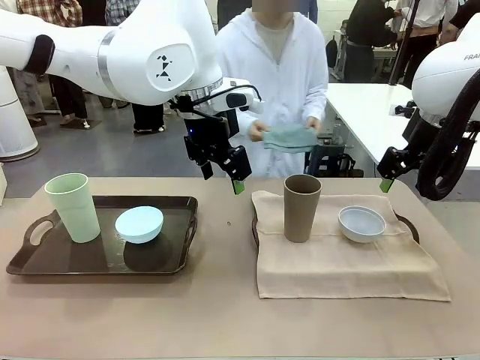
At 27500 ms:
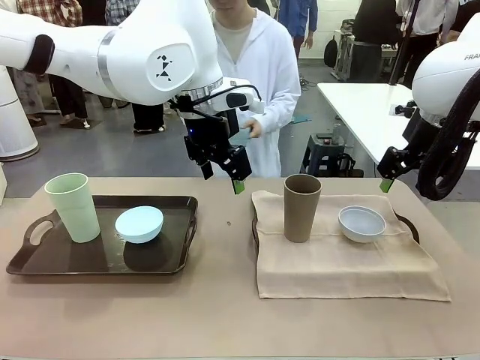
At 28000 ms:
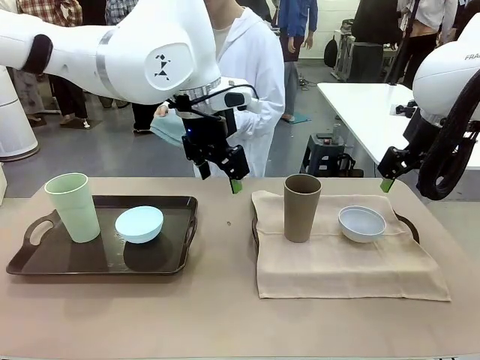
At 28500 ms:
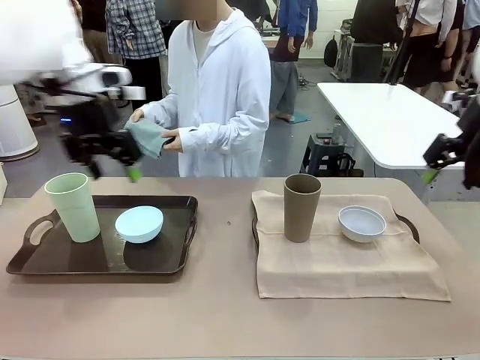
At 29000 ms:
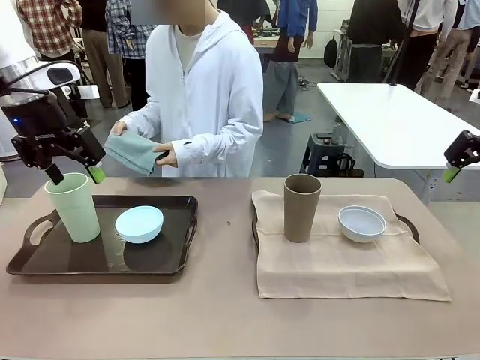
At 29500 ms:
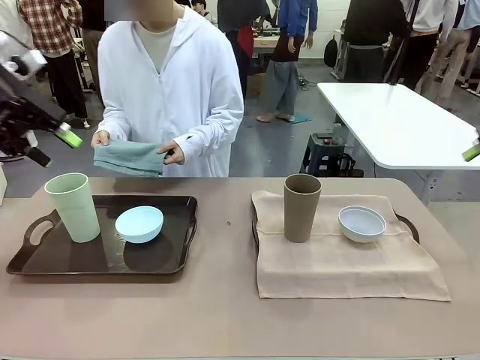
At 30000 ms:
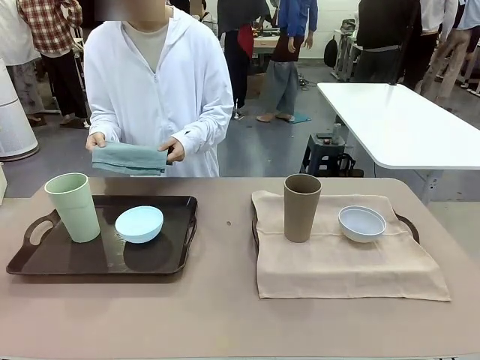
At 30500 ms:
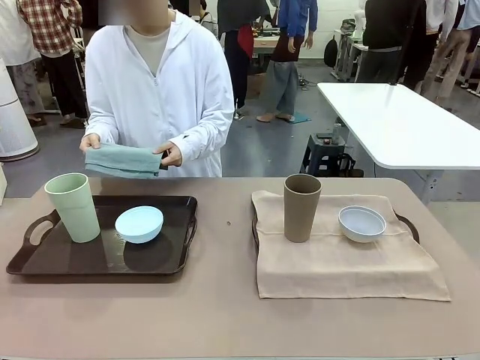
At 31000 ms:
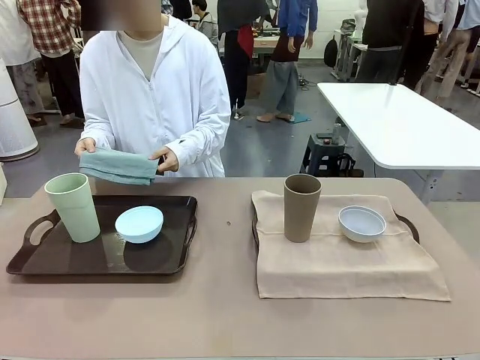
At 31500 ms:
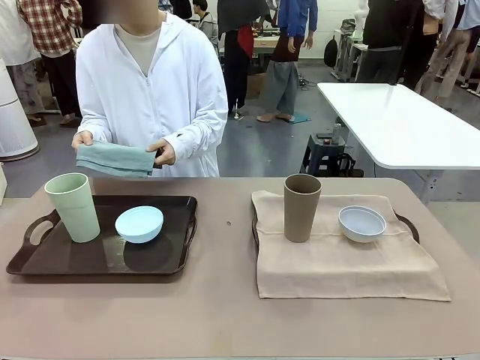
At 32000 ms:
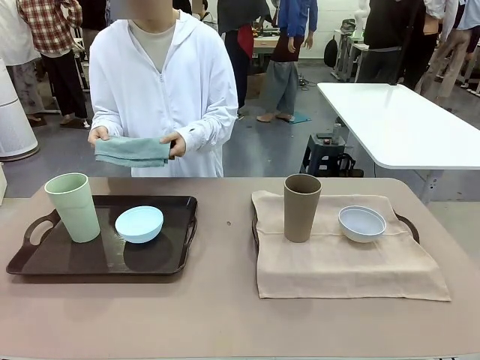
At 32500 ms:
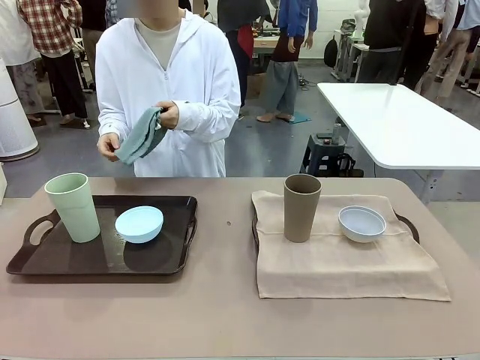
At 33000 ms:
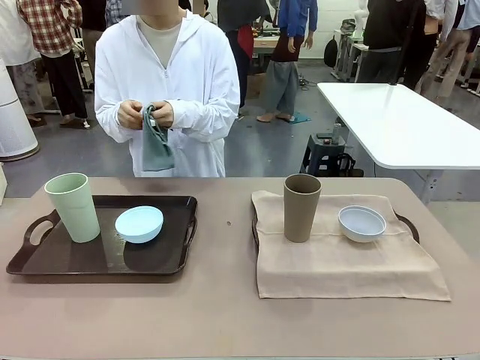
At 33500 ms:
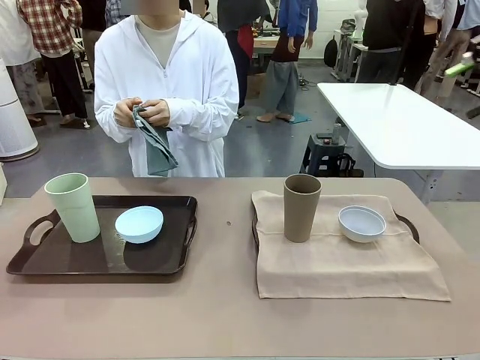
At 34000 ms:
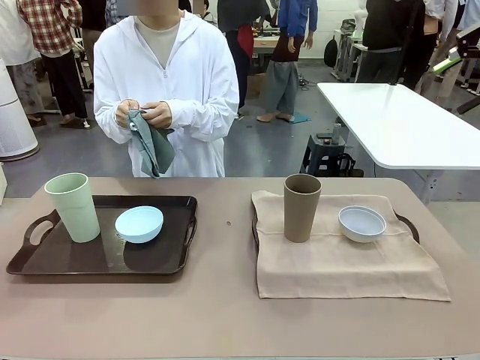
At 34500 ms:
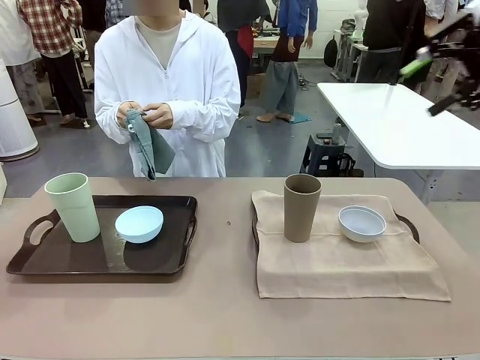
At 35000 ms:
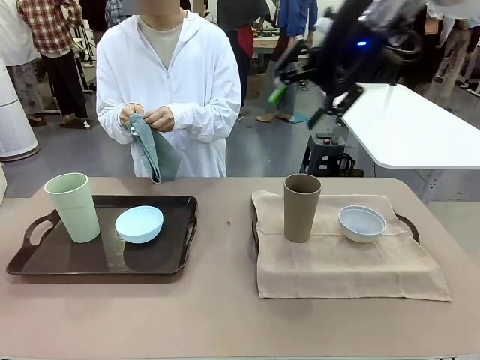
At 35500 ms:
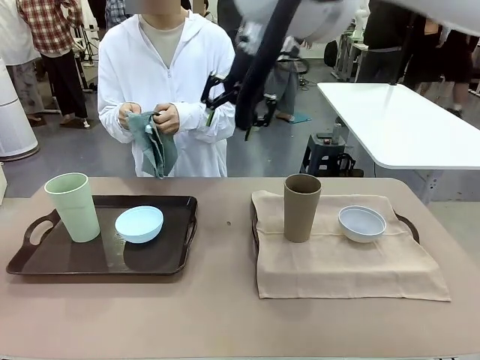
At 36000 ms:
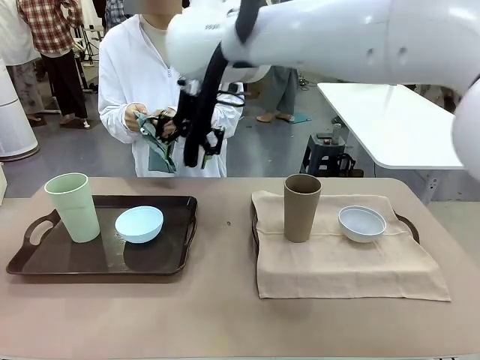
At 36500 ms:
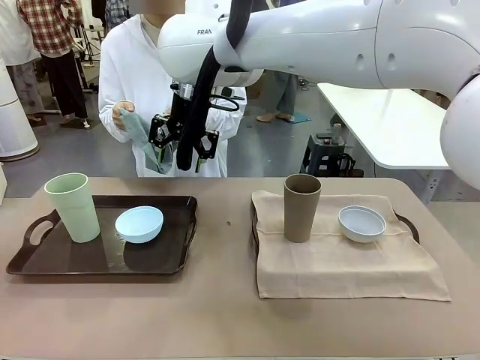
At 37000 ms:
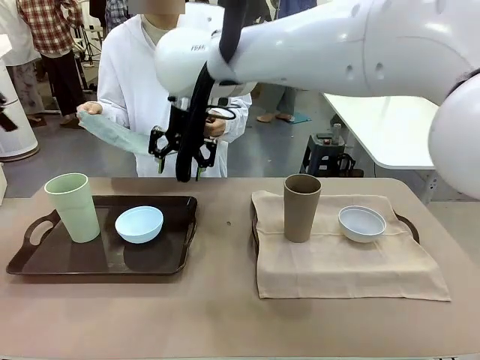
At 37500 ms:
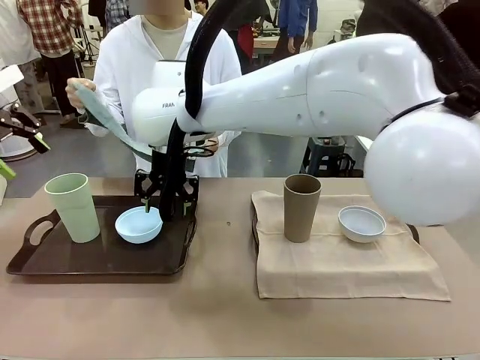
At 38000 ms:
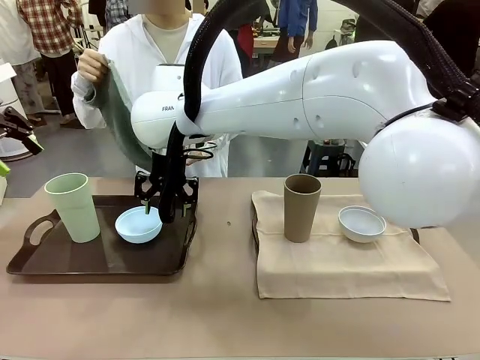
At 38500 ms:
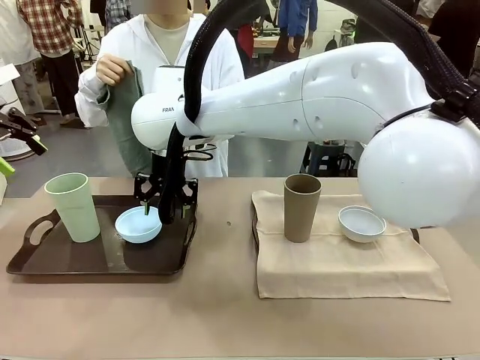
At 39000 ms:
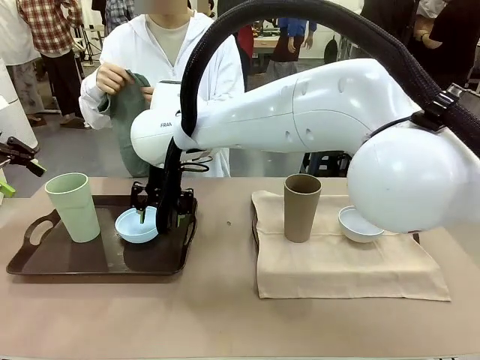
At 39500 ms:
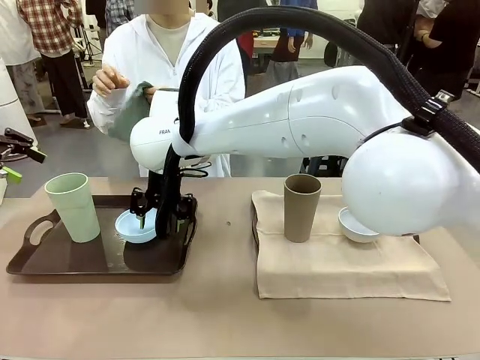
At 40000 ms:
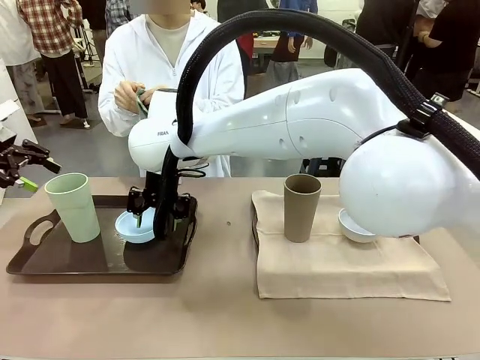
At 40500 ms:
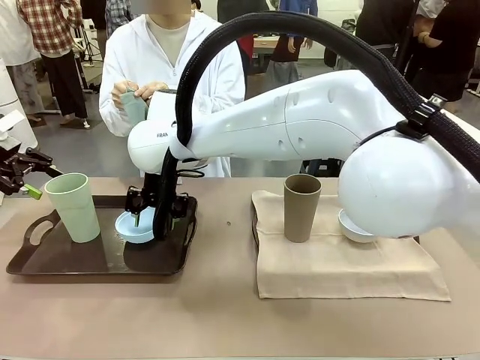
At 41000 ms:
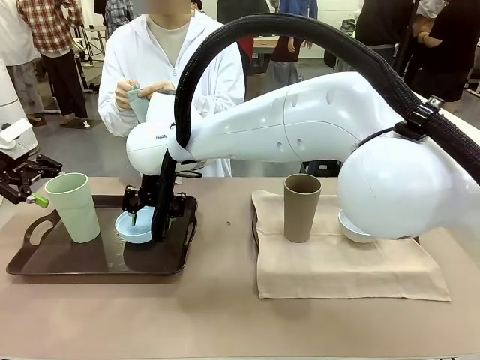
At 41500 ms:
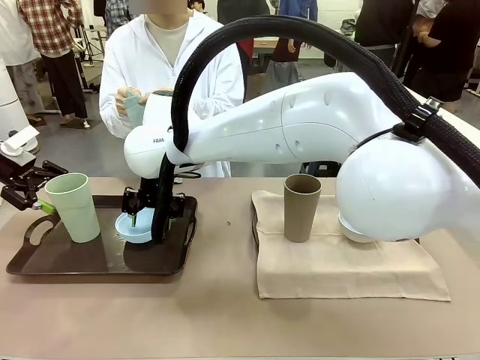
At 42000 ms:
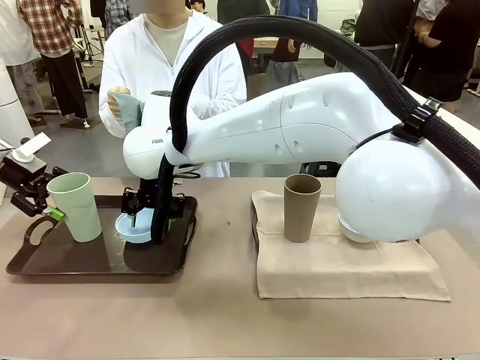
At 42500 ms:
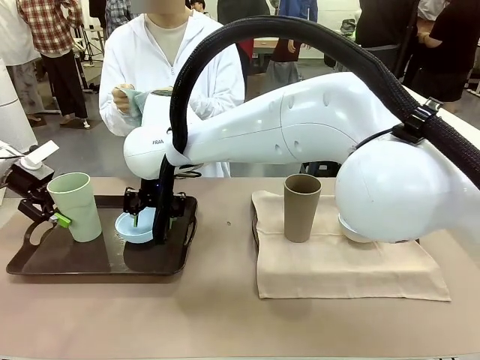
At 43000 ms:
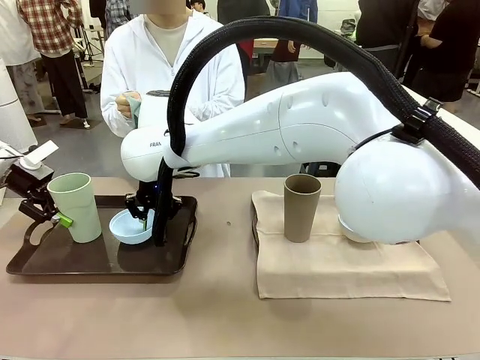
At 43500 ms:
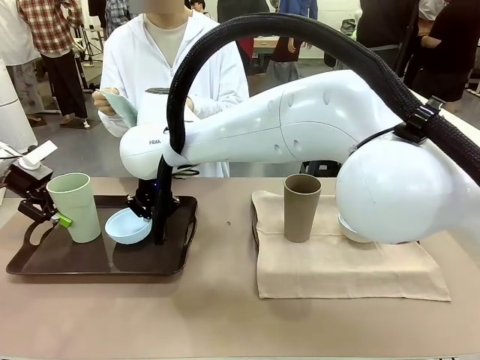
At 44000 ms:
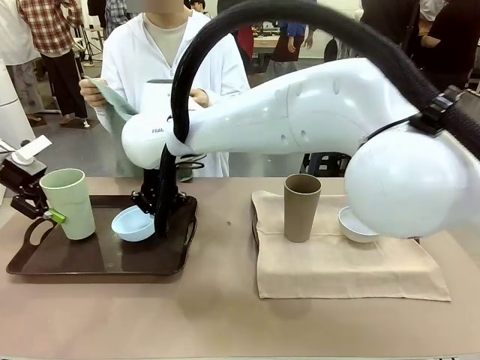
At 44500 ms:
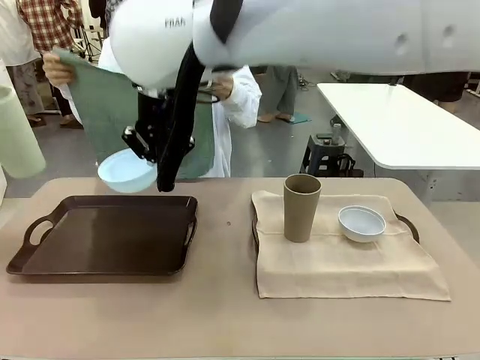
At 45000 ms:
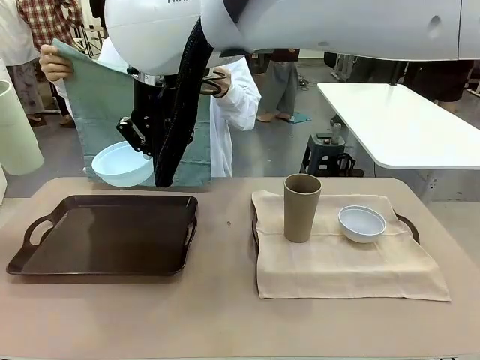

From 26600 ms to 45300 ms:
Robot: Pick up the Picnic Bowl and Reusable plastic cup from the Handle tray in front of the human's position and hold them in the air.
Person: When the robot lifts the bowl and the cup, the human unfolds the napkin and lays the napkin flat on the tray.
